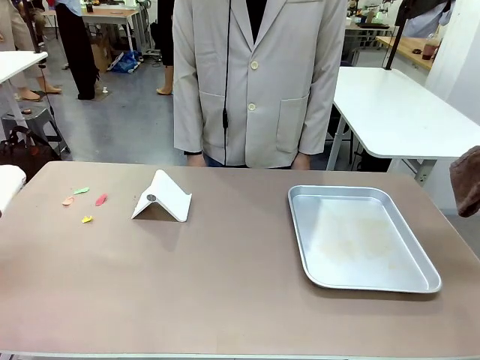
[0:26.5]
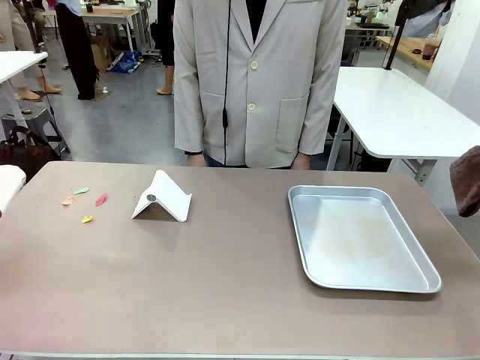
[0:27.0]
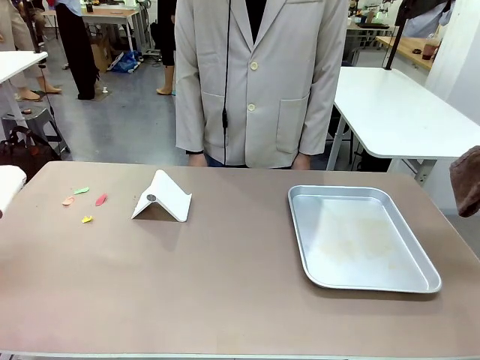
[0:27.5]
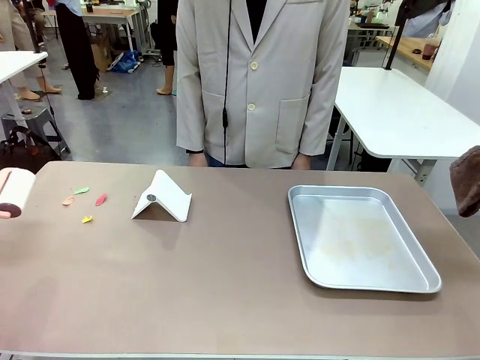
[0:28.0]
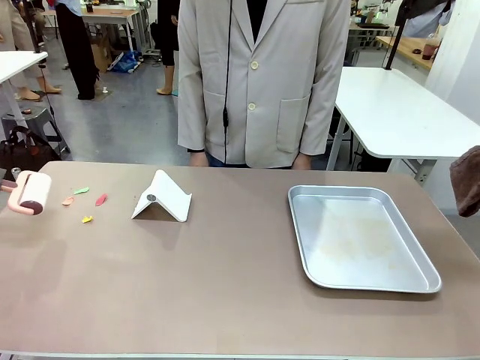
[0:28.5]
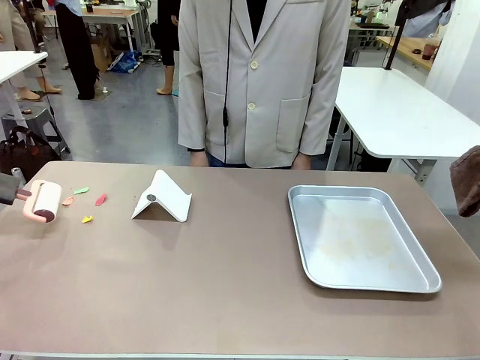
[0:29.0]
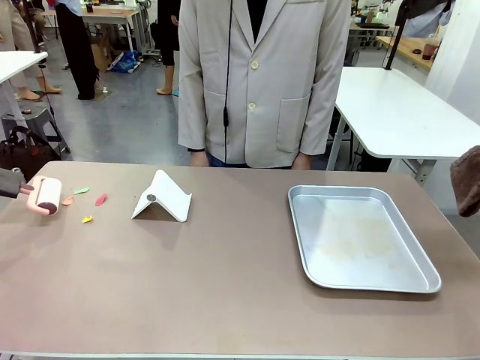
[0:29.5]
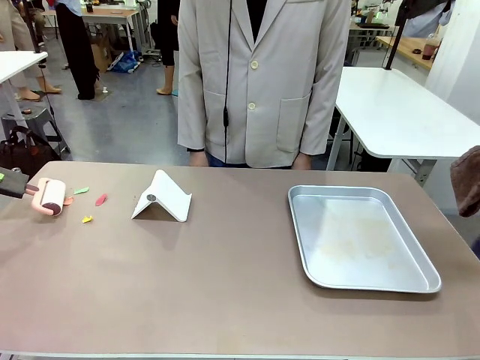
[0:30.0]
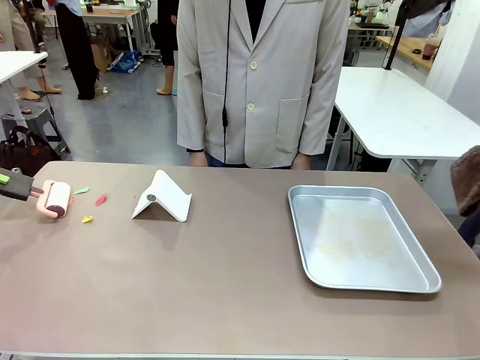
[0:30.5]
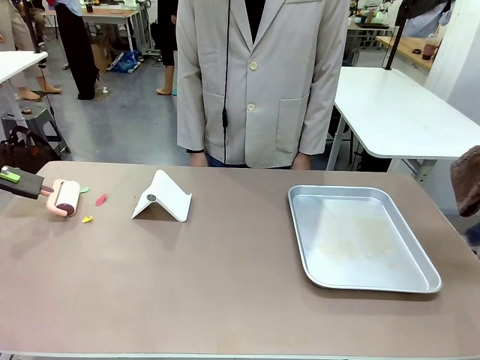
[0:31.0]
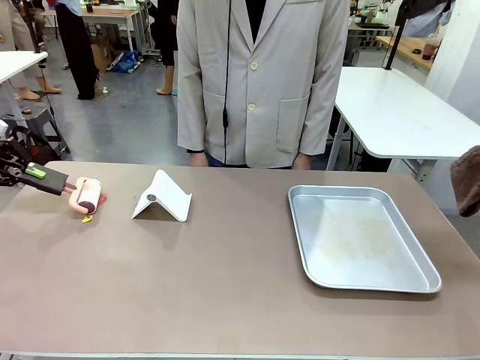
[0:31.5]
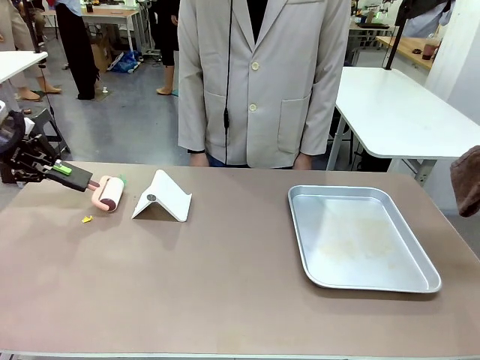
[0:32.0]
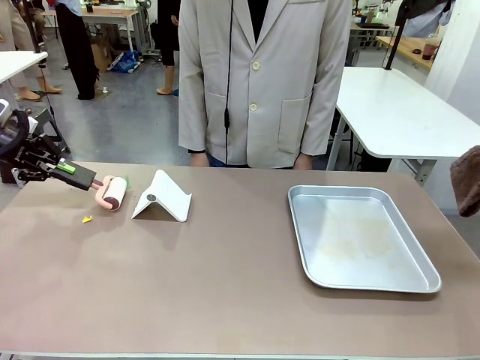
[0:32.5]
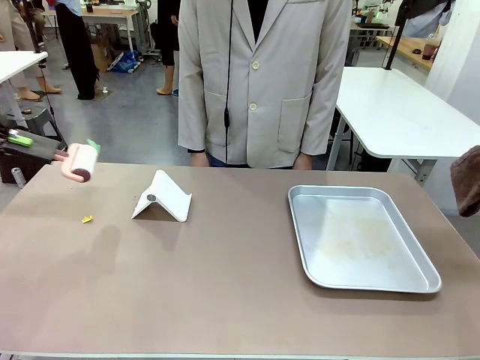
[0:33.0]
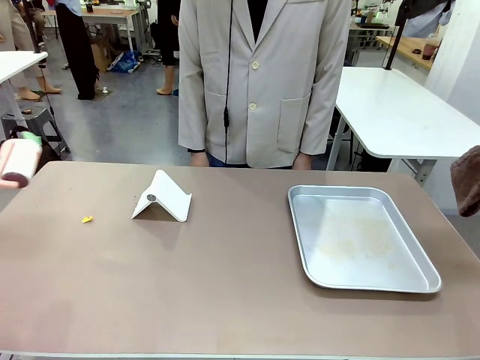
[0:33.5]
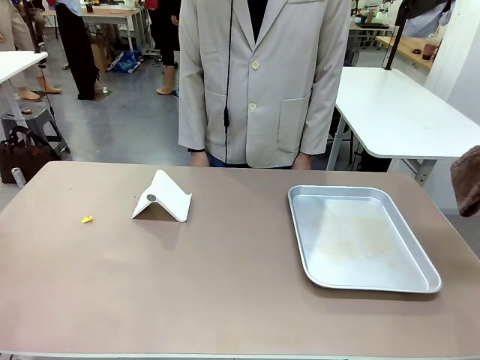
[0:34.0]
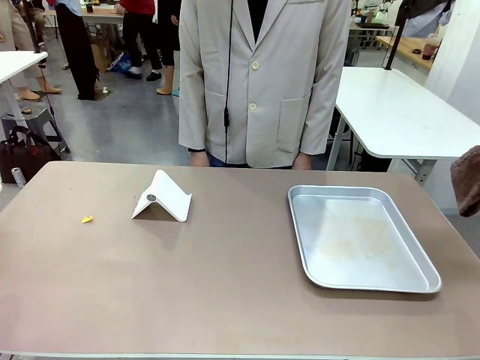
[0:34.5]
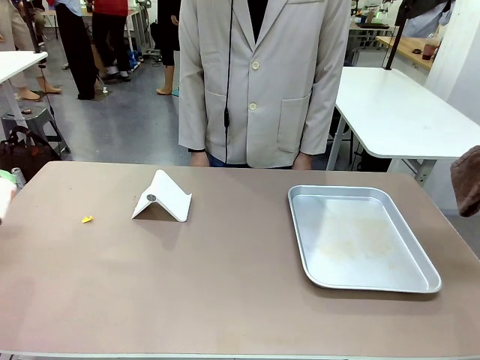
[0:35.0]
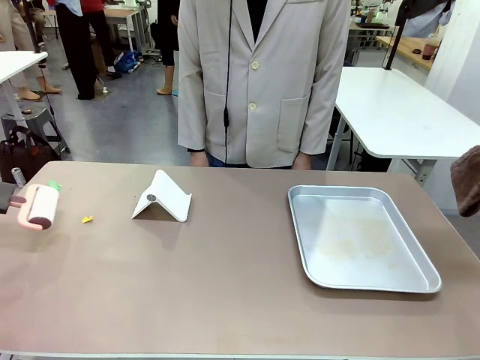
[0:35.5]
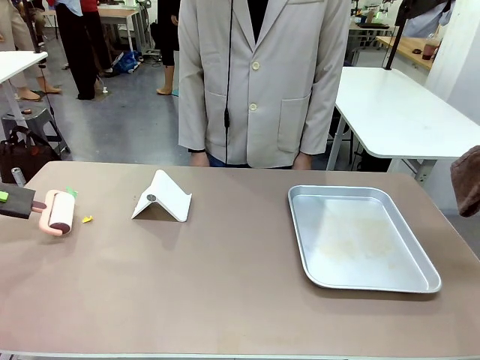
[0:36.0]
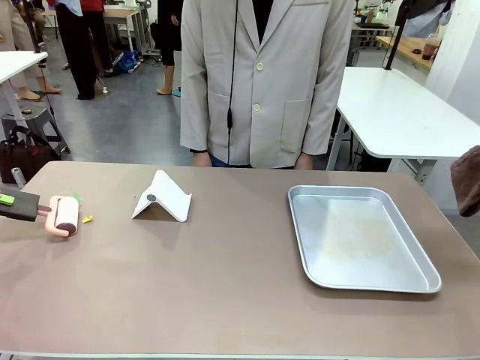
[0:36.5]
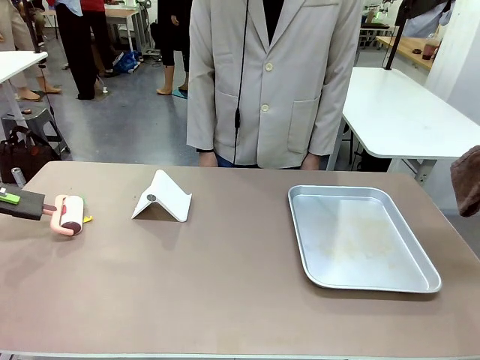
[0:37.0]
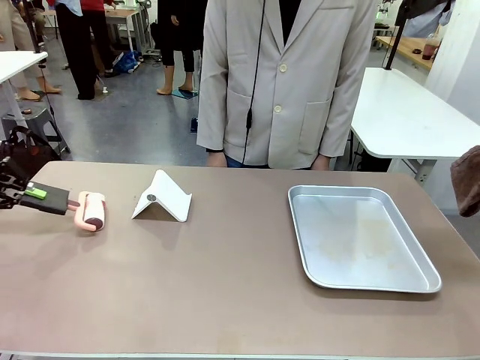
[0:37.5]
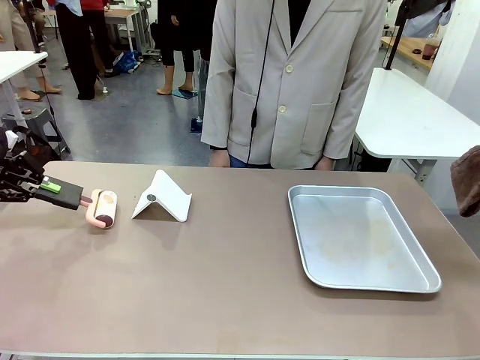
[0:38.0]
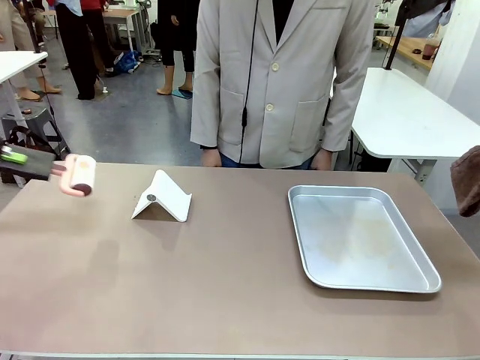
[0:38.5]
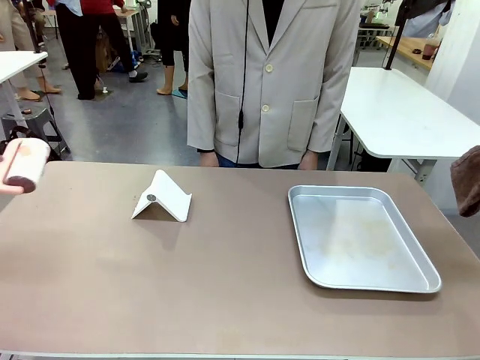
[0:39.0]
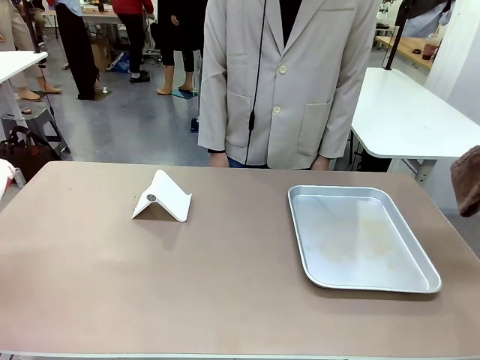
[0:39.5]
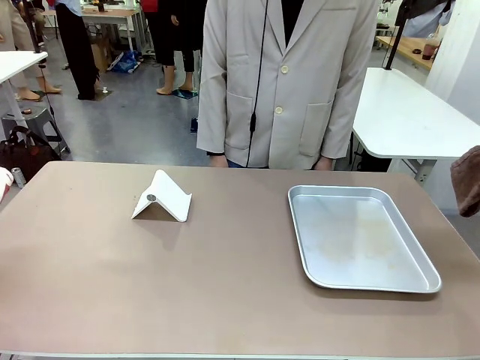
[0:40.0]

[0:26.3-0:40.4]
Task: Clean the surface of the table.
Robot: Clean the area not pointed to by the person.

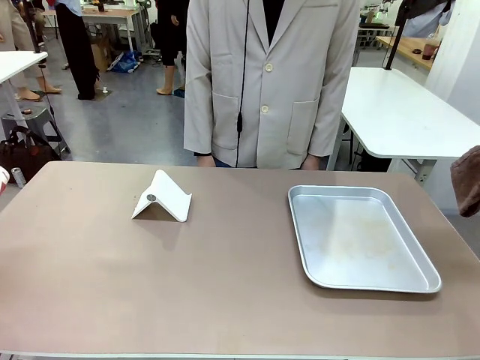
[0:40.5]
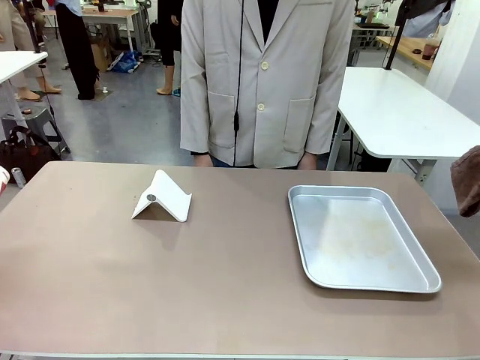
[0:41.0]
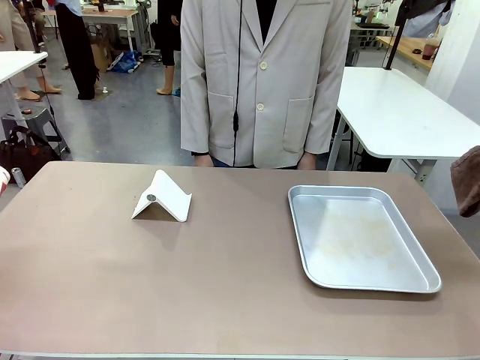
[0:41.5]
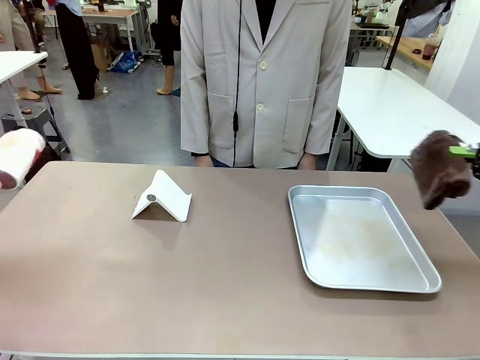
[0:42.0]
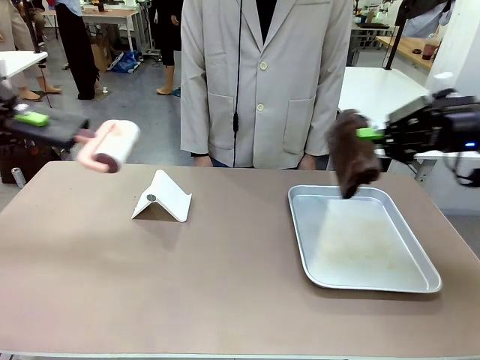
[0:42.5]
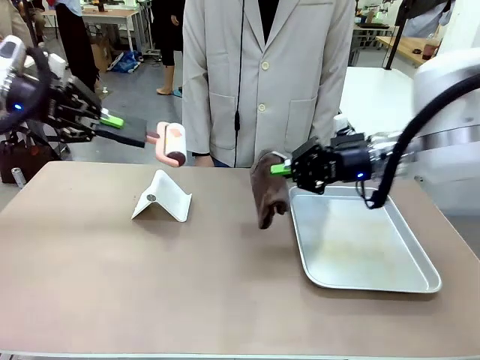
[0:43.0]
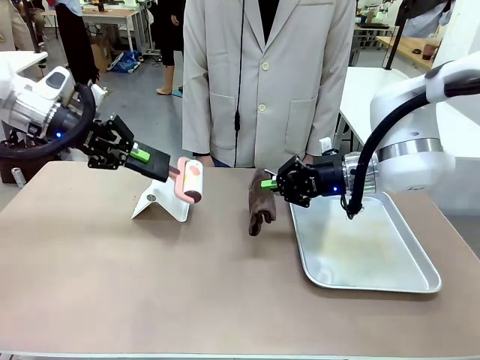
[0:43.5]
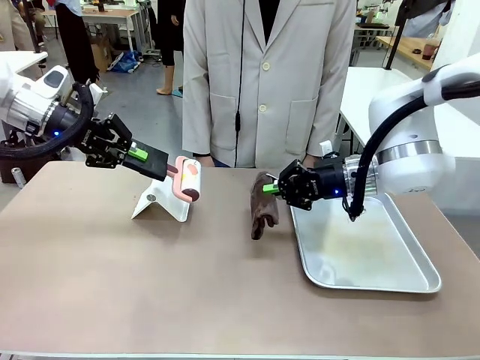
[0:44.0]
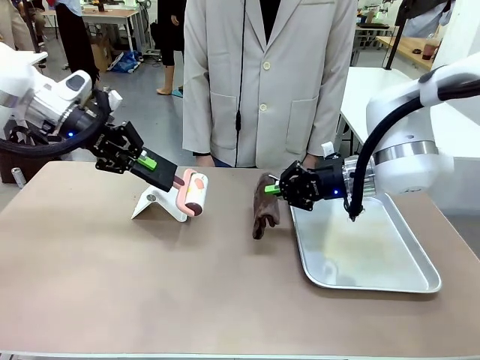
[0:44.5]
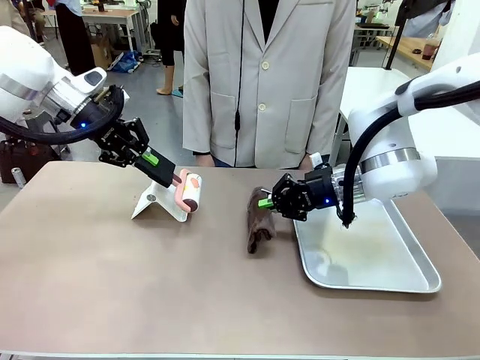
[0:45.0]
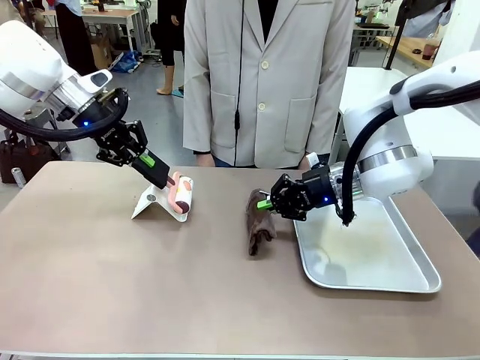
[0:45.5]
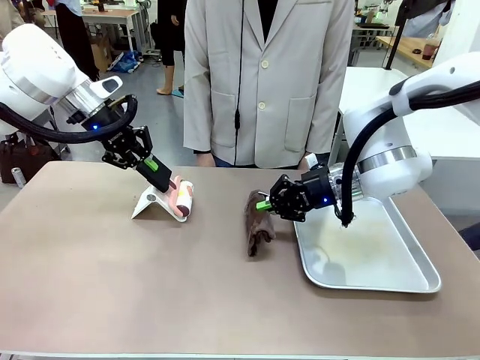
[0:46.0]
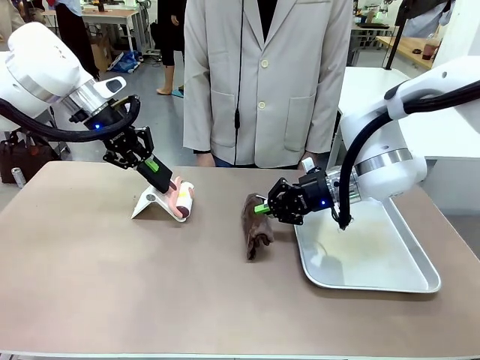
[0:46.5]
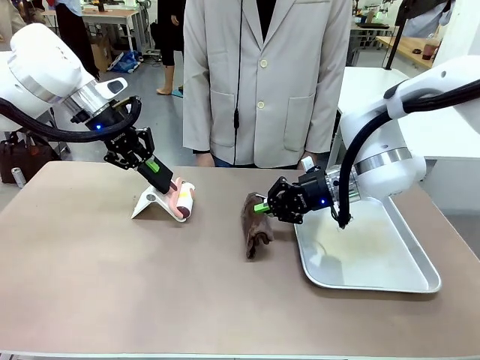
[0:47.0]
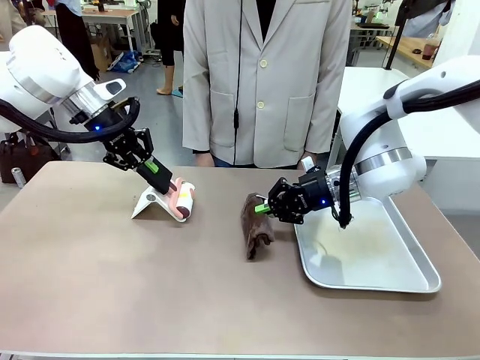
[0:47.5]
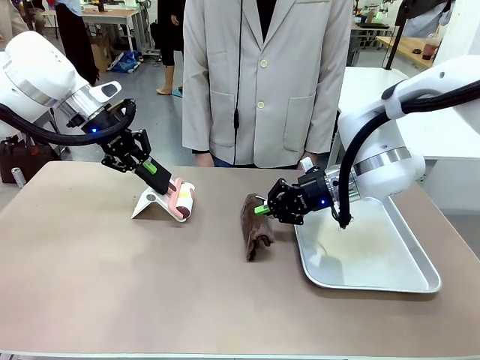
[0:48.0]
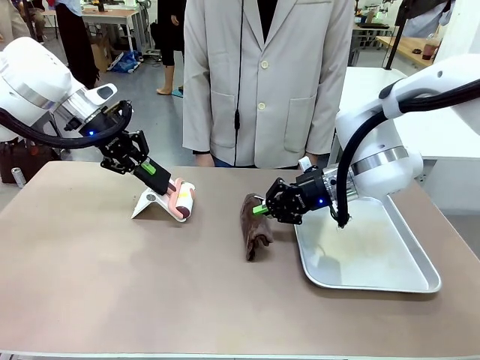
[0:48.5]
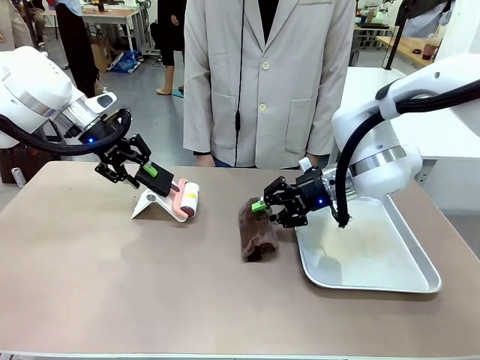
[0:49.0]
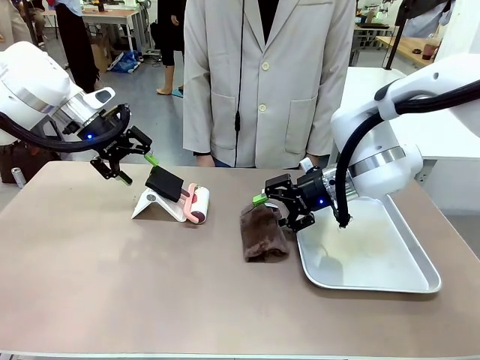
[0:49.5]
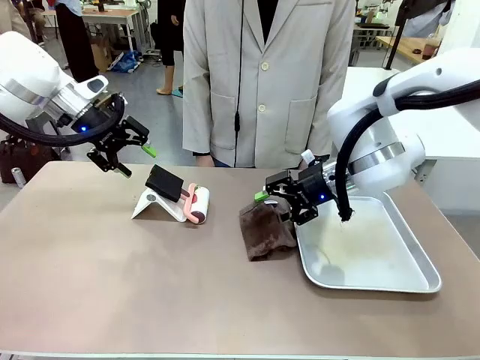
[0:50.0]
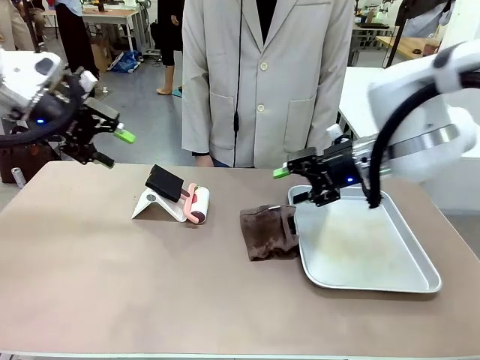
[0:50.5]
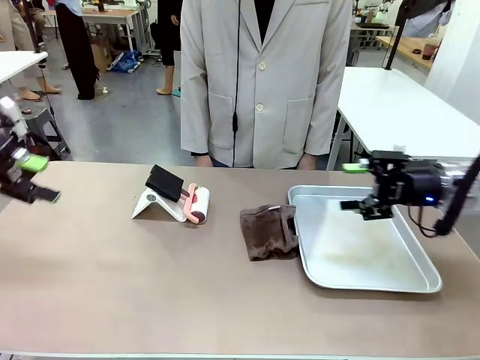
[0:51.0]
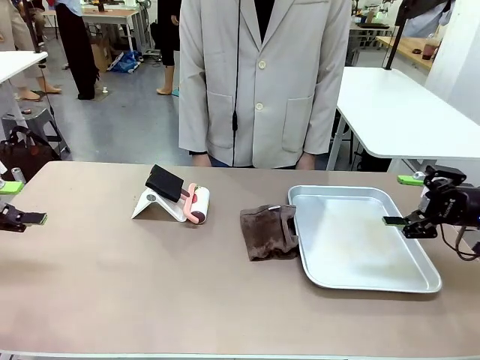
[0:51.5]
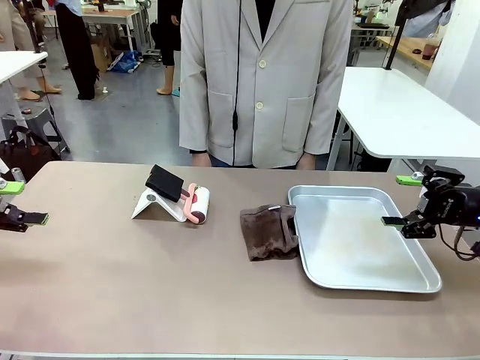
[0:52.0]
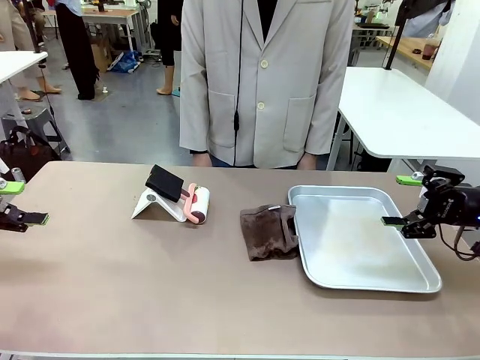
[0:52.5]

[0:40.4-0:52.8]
Robot: Return the Lint Roller and towel to their original positions.
